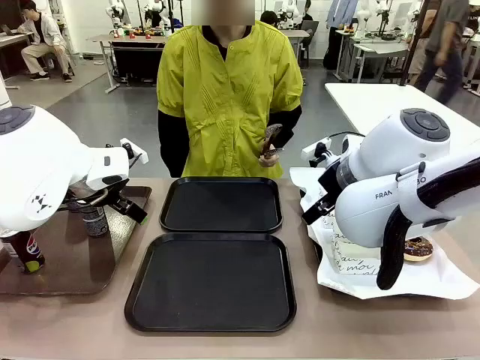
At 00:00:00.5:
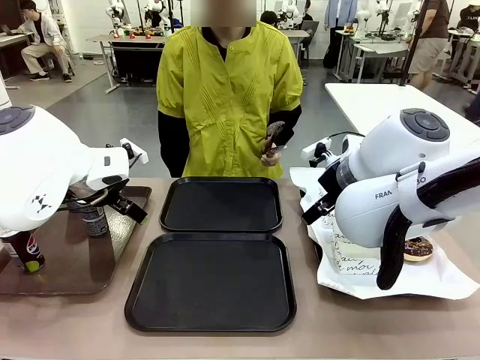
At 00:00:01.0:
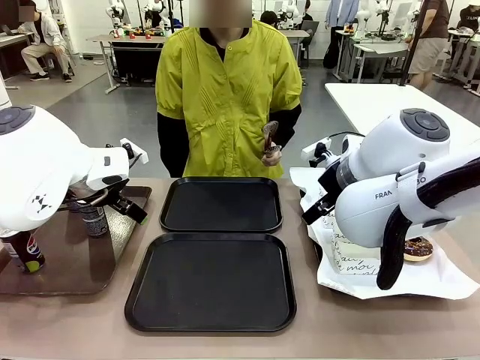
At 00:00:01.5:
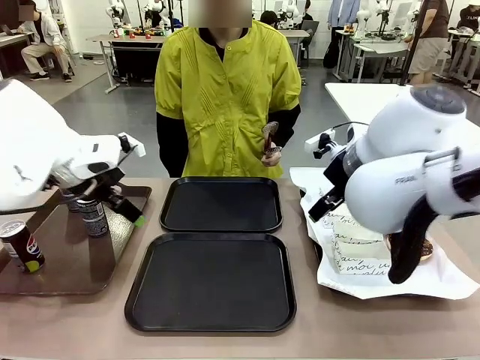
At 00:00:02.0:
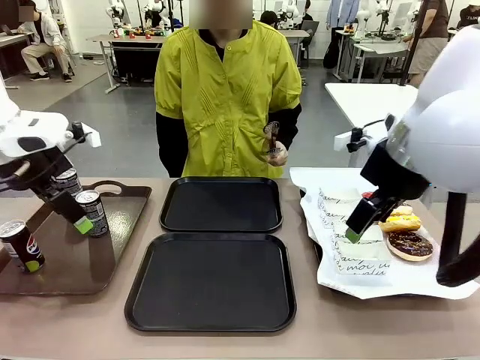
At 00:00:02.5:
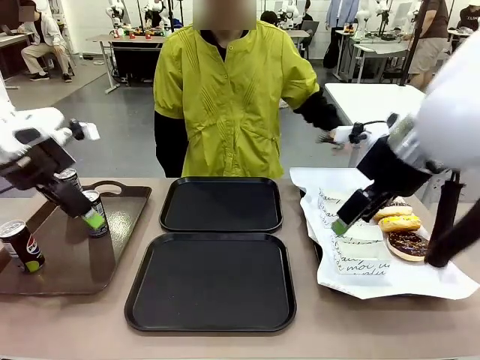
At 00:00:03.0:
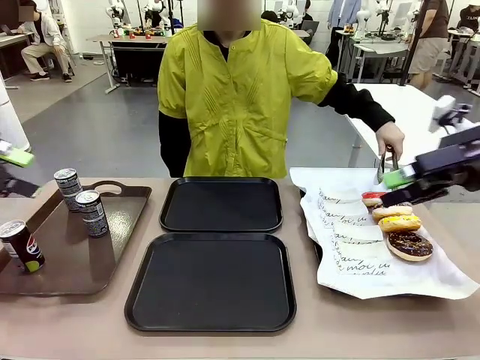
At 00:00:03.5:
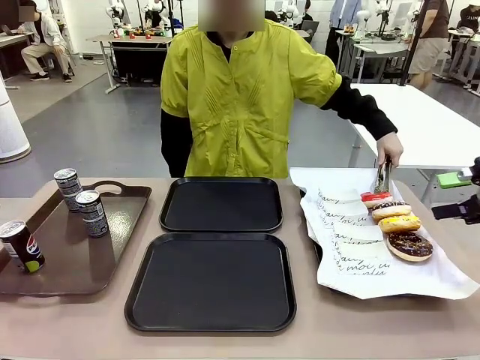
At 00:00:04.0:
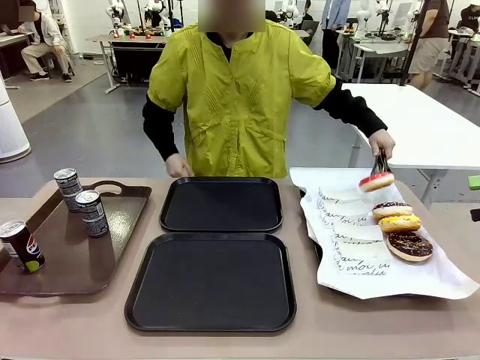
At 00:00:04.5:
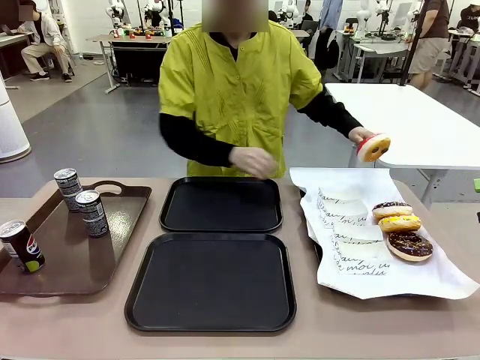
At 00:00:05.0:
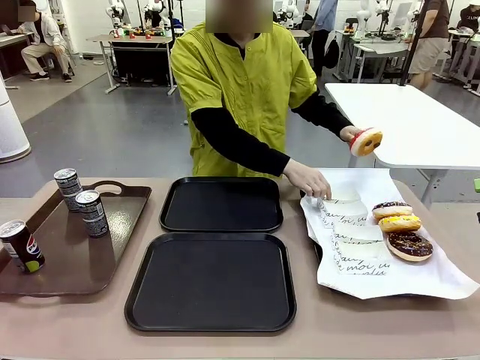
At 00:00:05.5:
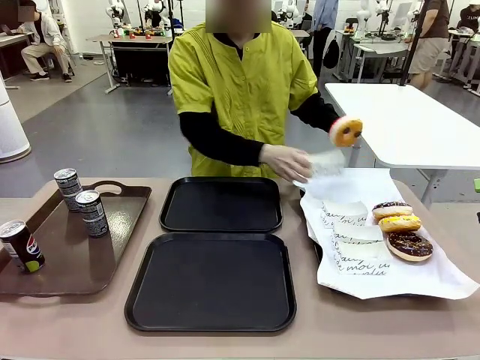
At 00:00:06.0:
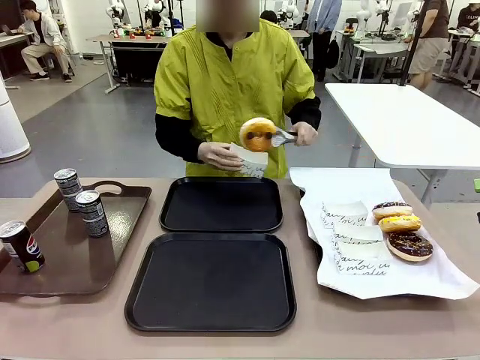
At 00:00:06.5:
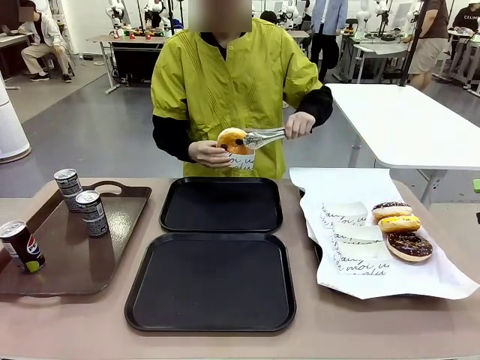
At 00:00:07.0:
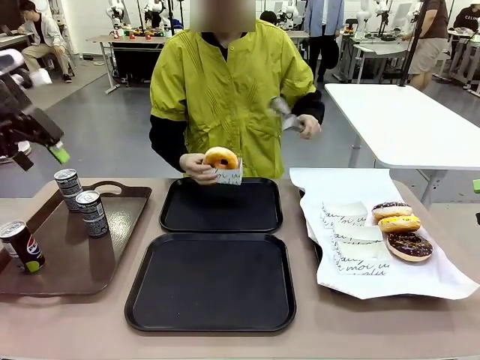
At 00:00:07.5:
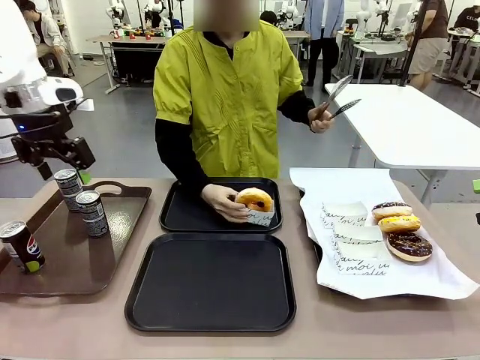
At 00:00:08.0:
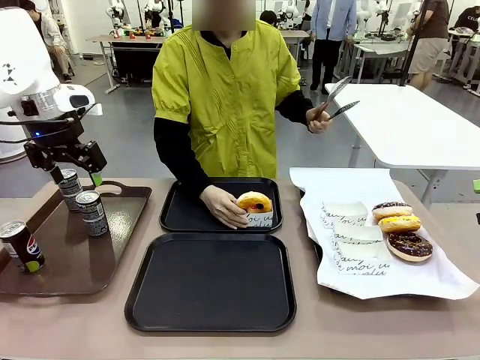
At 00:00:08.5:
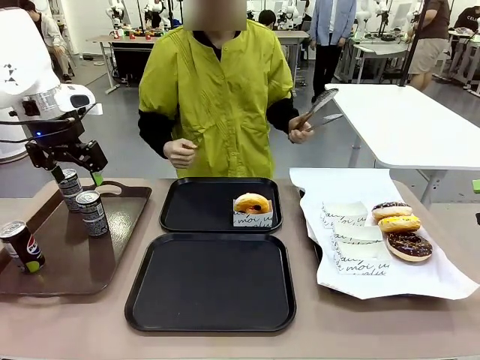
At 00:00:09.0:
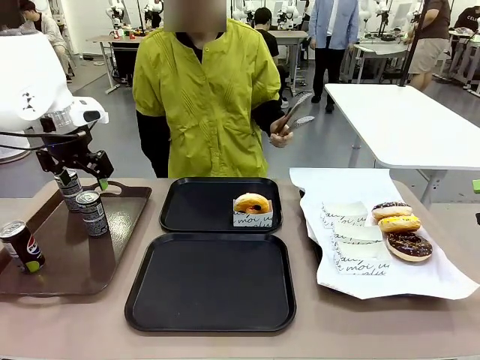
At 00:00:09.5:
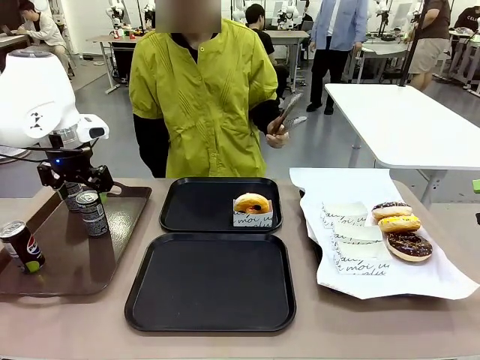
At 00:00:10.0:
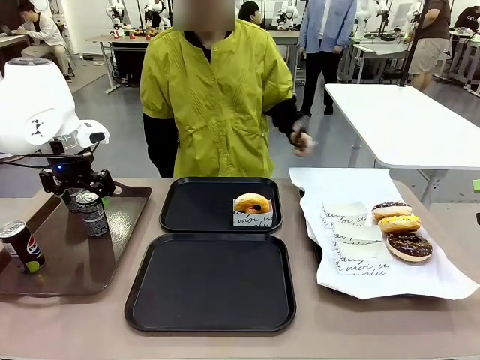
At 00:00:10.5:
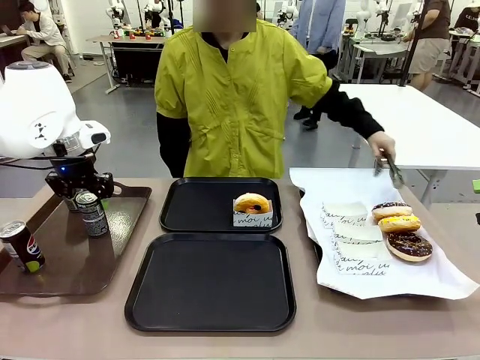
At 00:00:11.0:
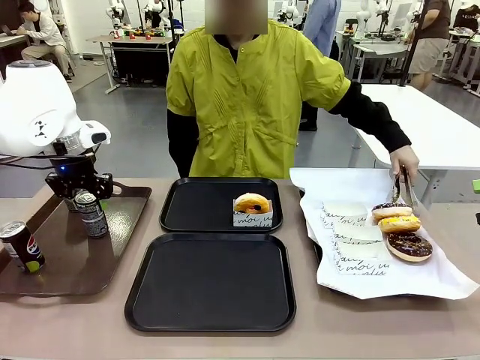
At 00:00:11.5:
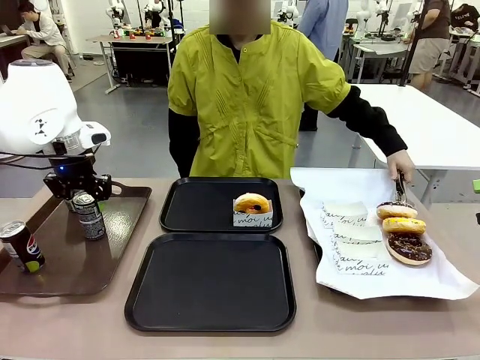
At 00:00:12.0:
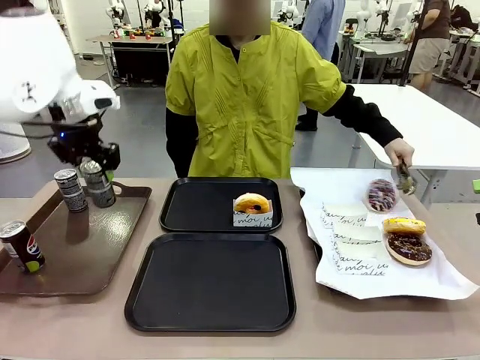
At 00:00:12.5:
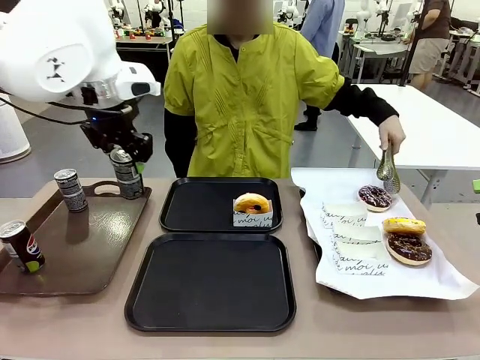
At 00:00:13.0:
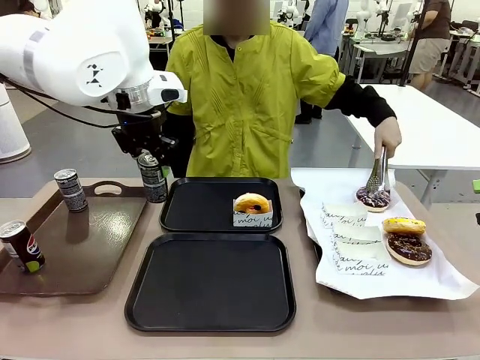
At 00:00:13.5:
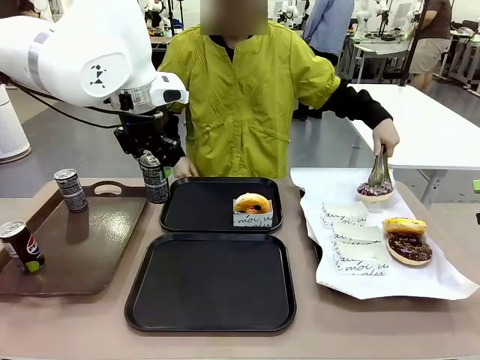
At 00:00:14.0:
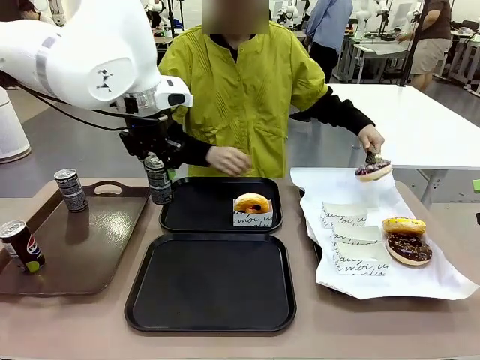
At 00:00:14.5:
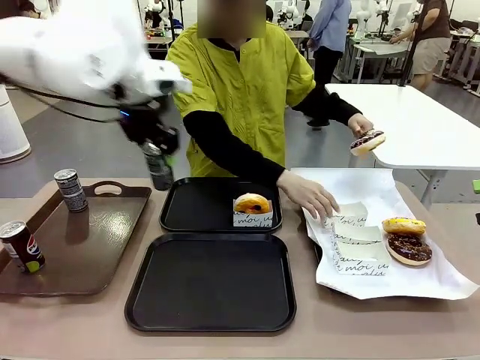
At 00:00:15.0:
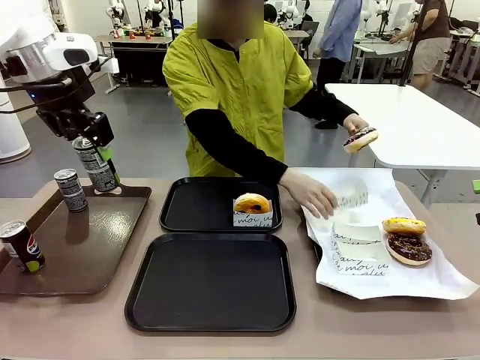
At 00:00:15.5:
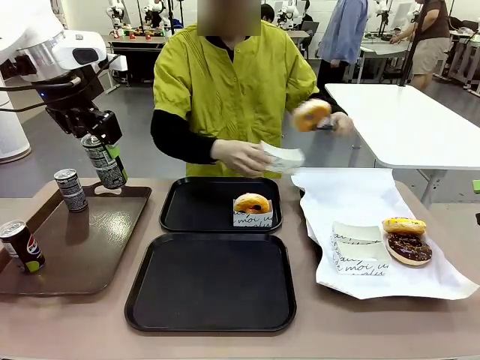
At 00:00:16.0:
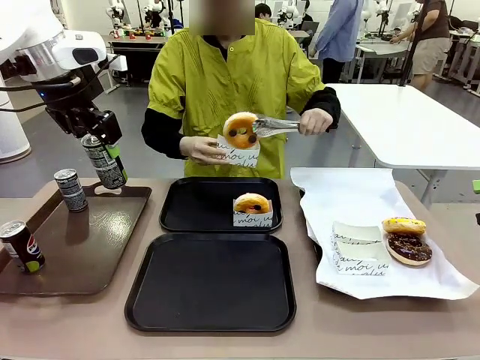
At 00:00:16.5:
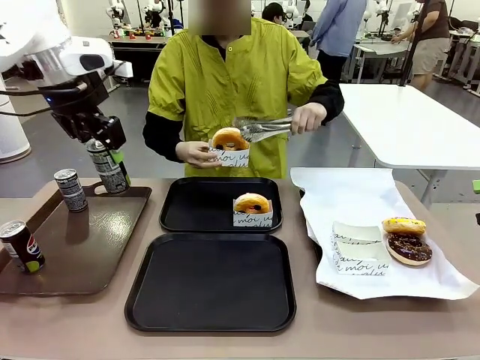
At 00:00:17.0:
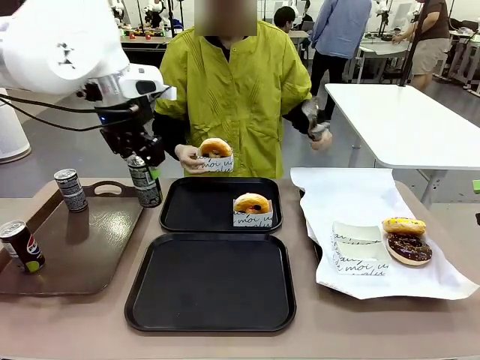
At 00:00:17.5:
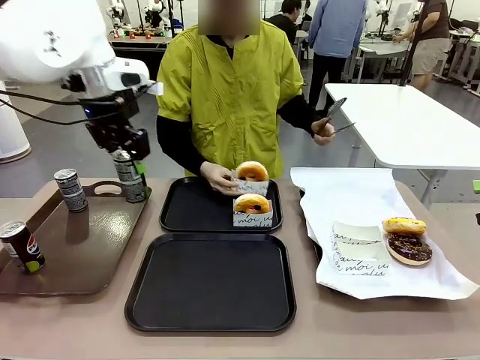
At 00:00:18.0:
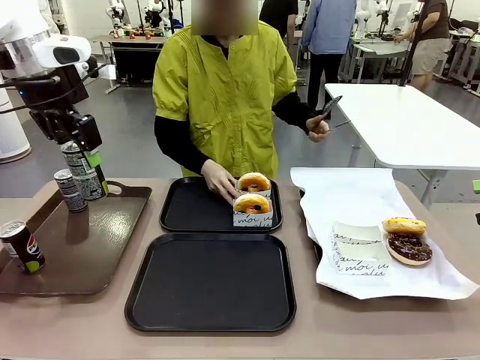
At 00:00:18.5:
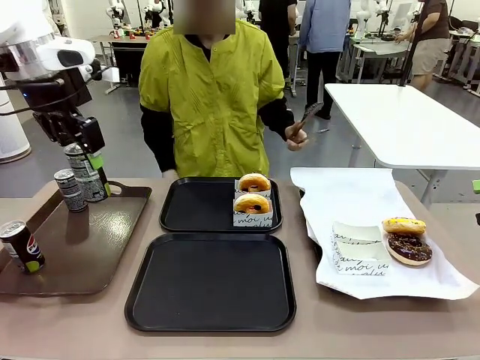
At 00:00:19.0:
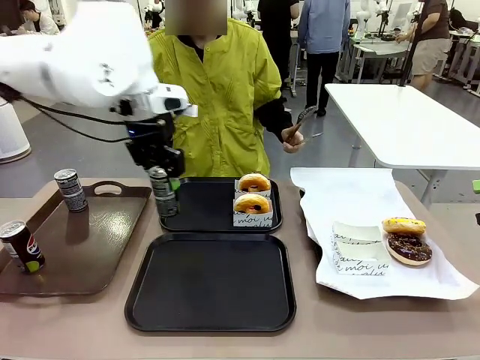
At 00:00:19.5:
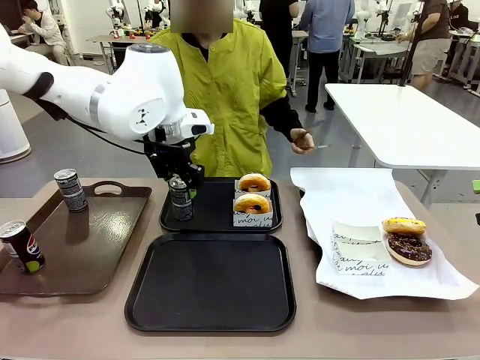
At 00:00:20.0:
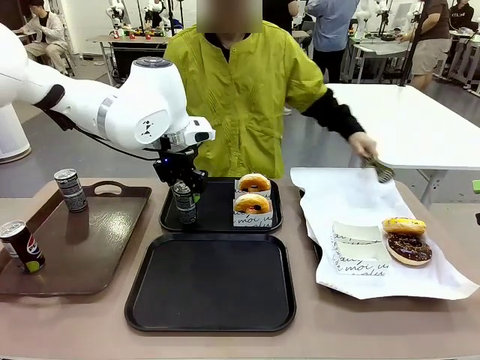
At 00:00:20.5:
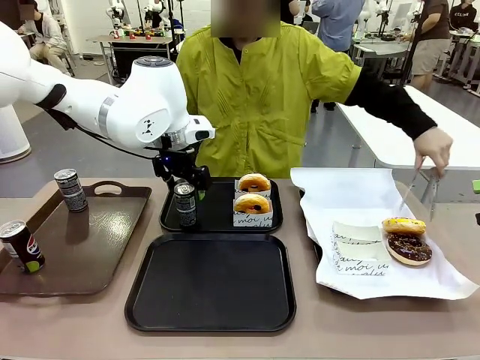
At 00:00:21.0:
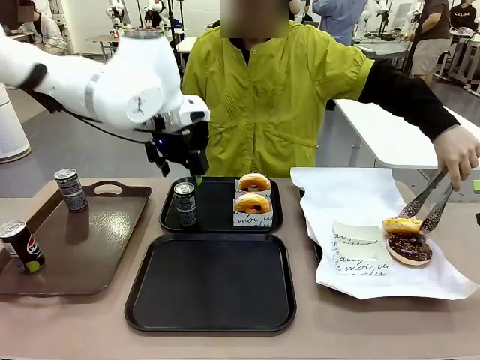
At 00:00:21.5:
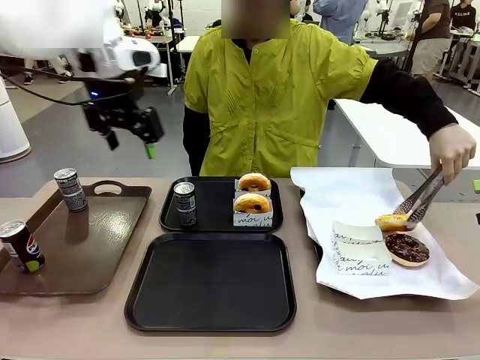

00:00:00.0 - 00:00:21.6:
Task: Set up donuts and drinks on trays.
Robot: Pick up one Pepsi coke and place it on the Flat Tray.
Person: Pick up one donut with tongs, place it in the donut tray, and then place the donut tray on the flat tray.
